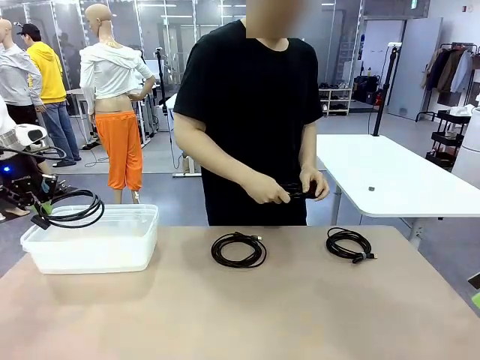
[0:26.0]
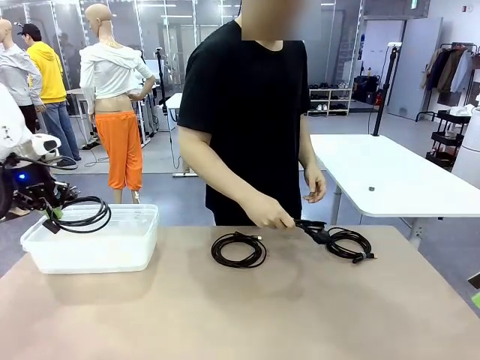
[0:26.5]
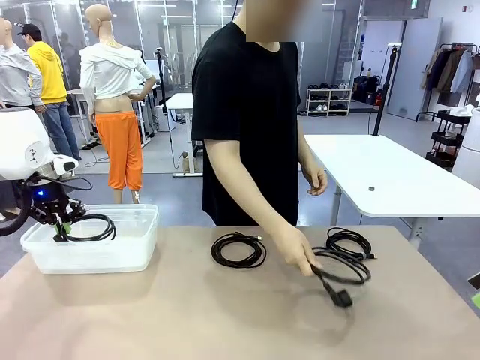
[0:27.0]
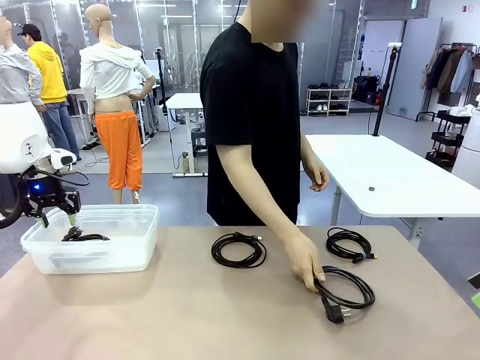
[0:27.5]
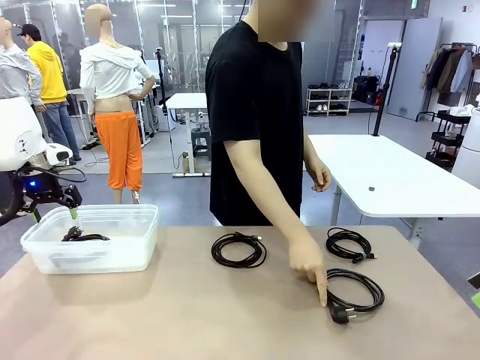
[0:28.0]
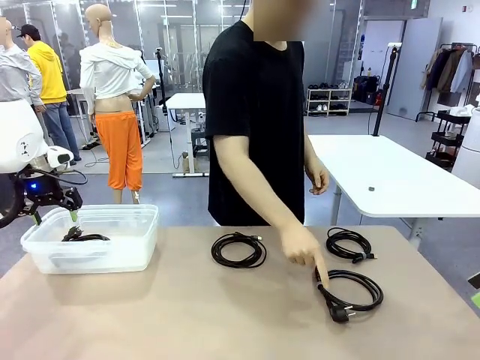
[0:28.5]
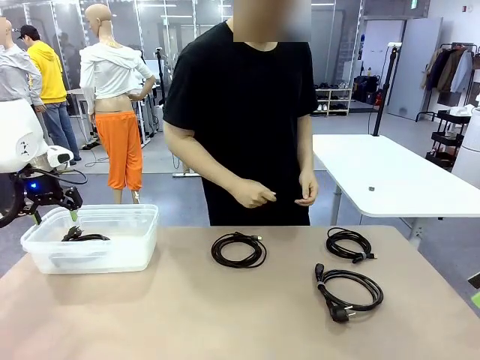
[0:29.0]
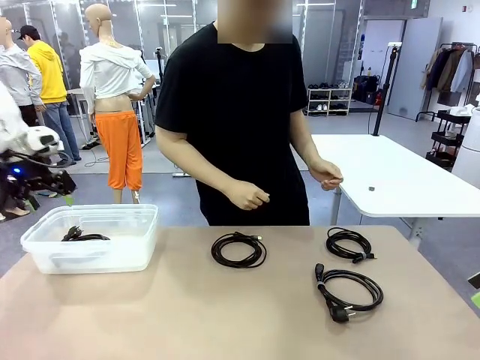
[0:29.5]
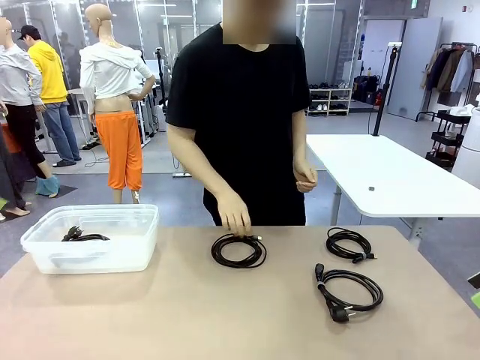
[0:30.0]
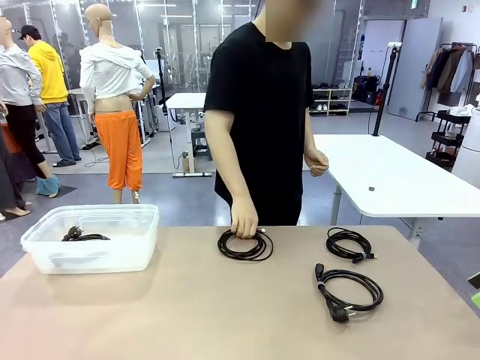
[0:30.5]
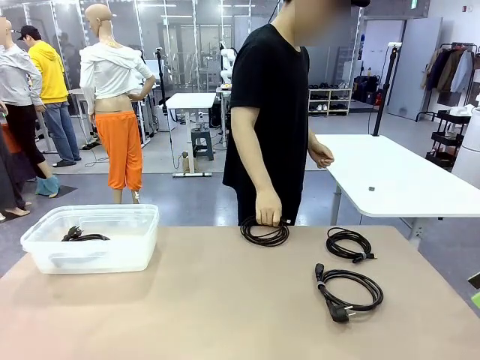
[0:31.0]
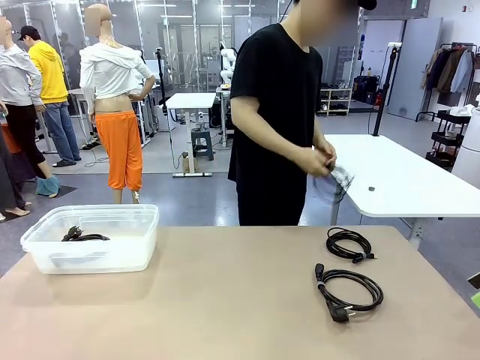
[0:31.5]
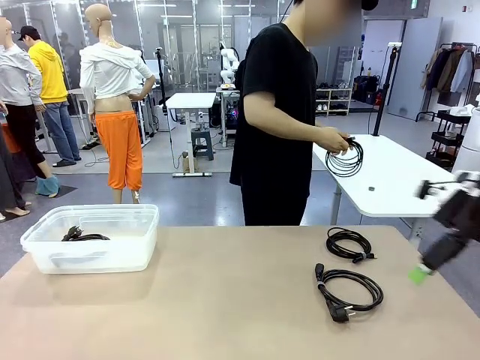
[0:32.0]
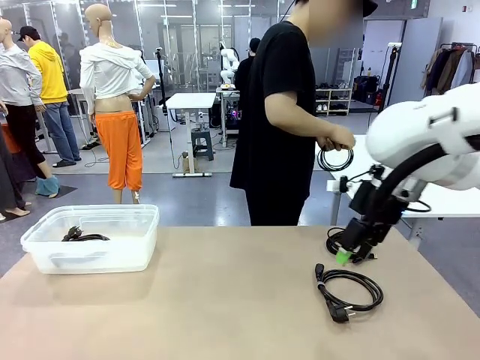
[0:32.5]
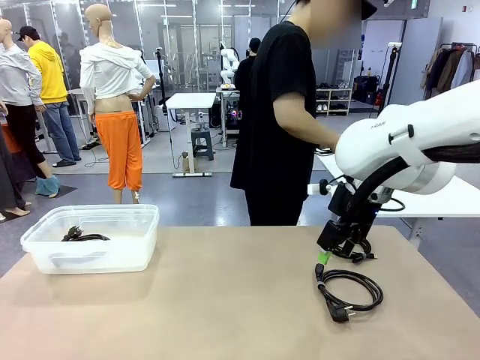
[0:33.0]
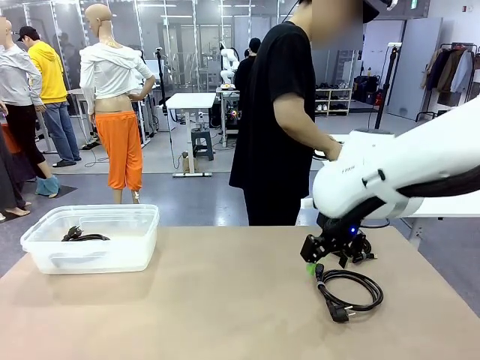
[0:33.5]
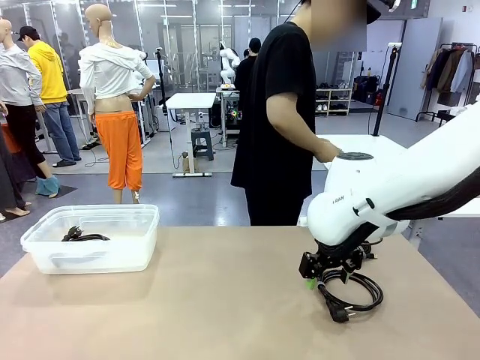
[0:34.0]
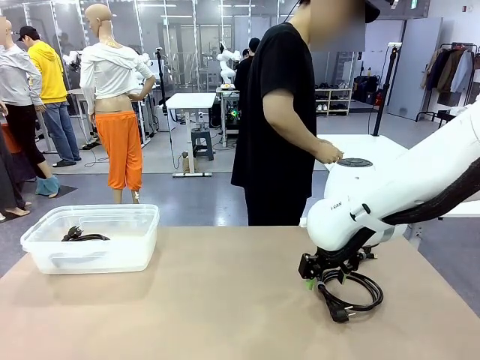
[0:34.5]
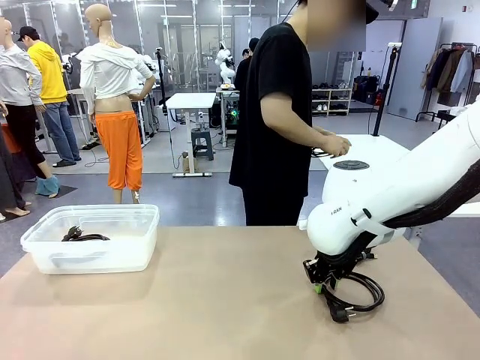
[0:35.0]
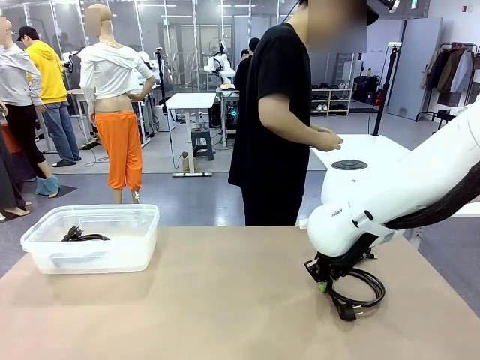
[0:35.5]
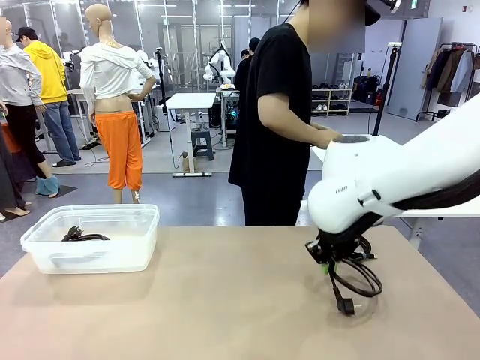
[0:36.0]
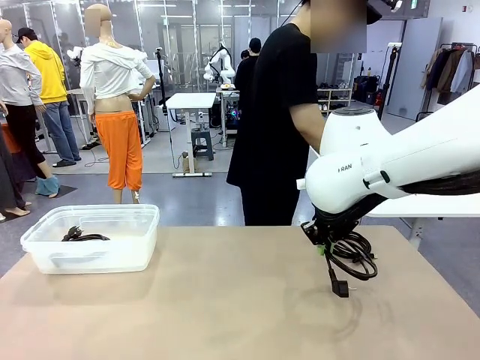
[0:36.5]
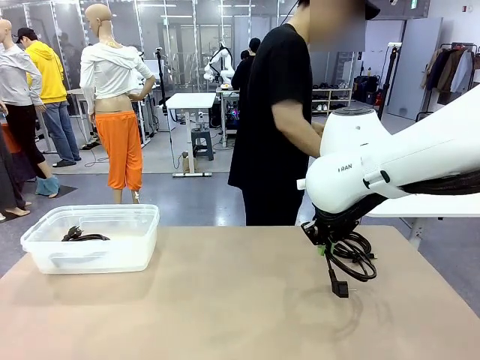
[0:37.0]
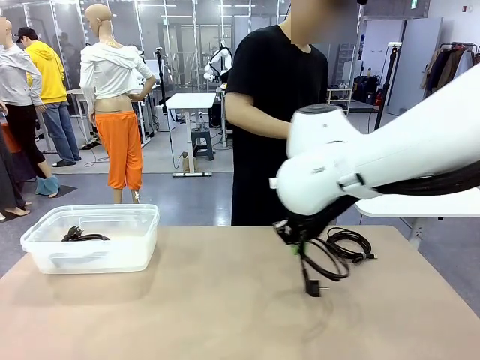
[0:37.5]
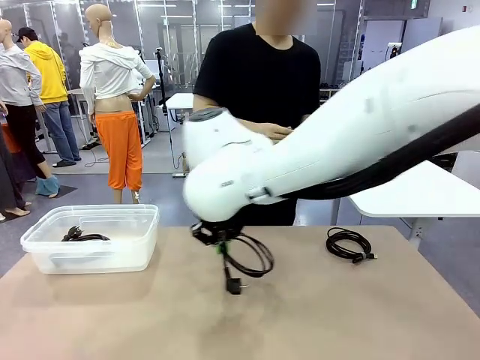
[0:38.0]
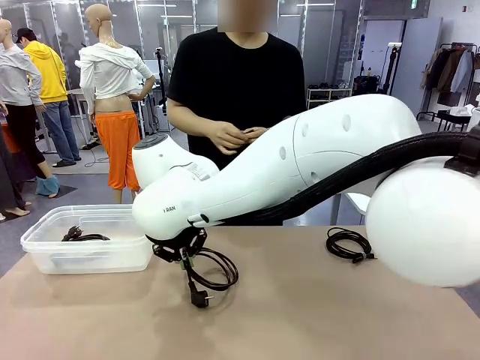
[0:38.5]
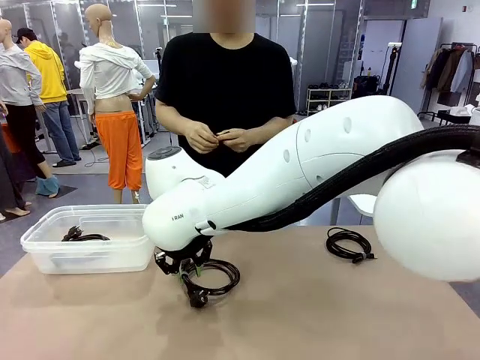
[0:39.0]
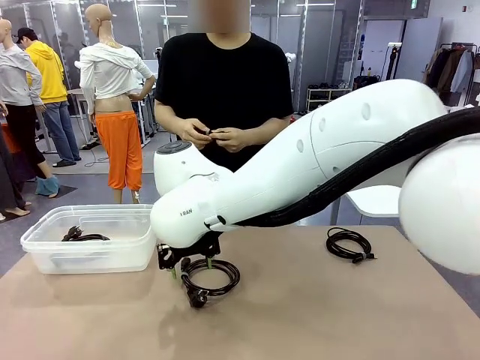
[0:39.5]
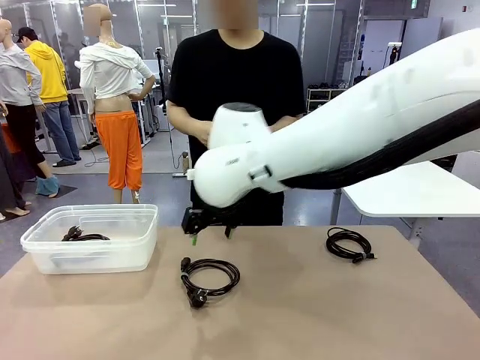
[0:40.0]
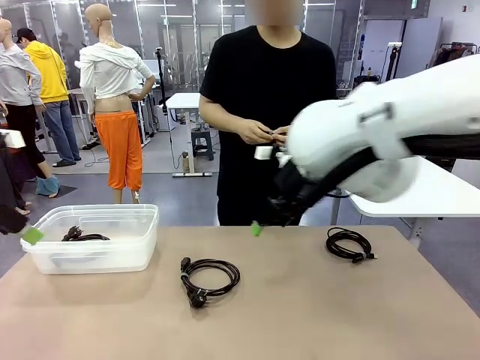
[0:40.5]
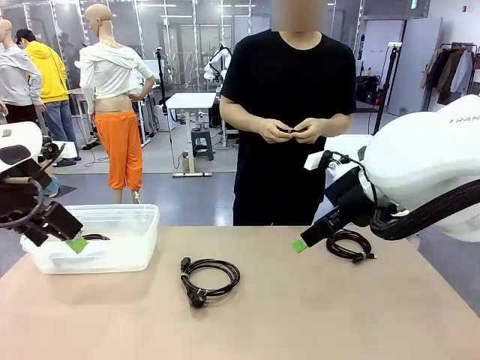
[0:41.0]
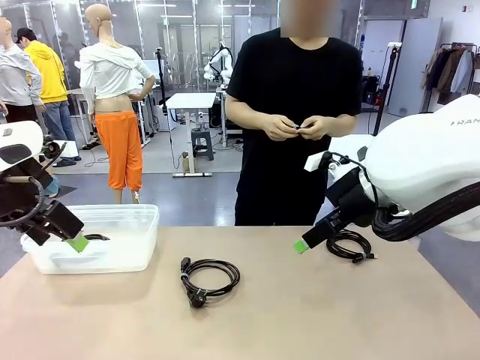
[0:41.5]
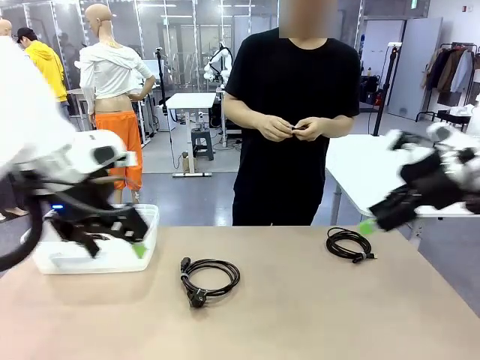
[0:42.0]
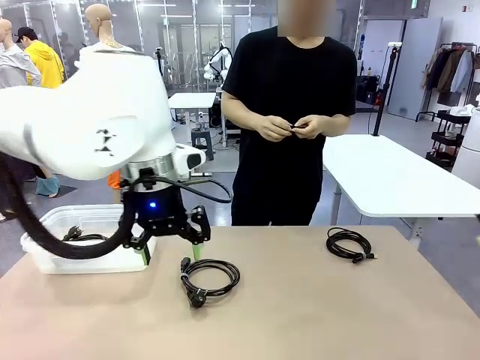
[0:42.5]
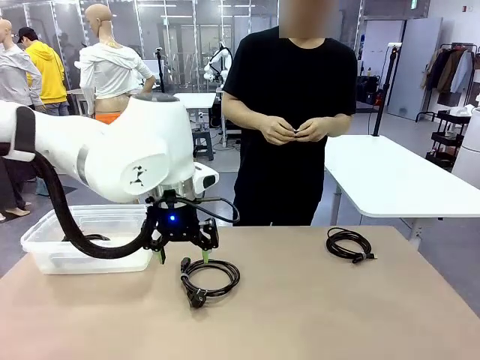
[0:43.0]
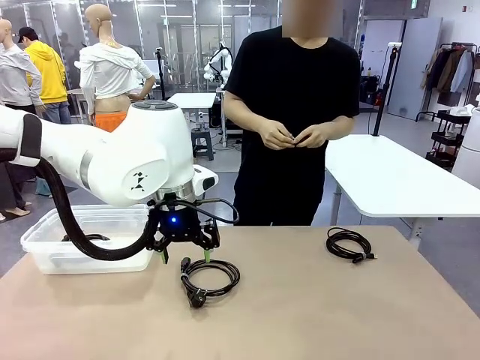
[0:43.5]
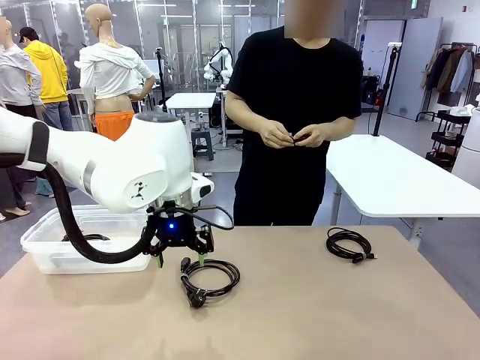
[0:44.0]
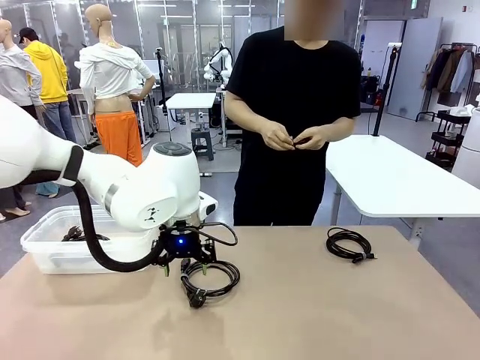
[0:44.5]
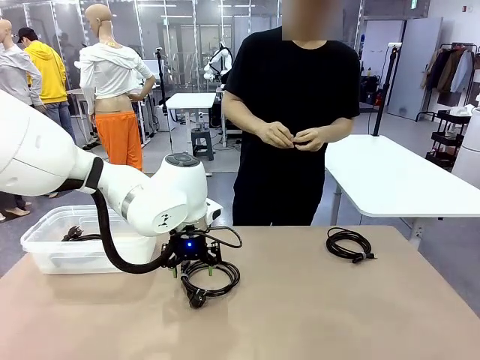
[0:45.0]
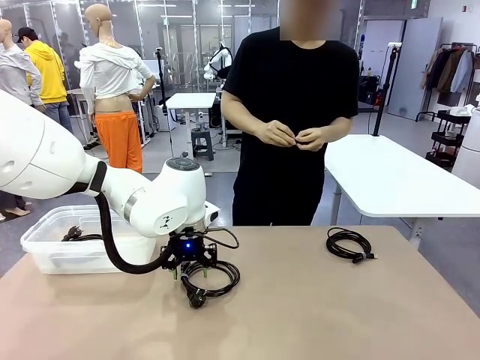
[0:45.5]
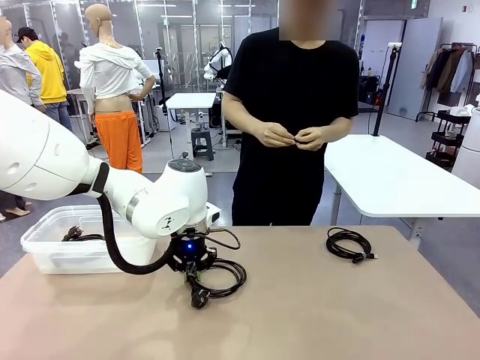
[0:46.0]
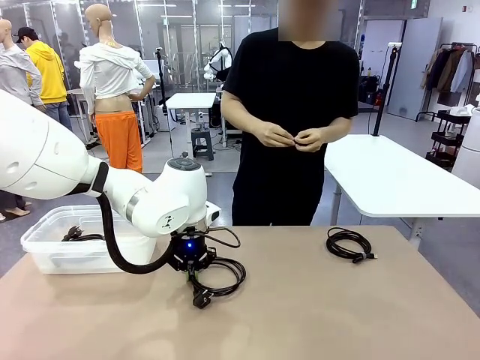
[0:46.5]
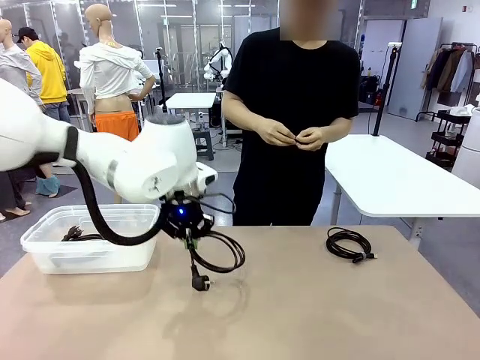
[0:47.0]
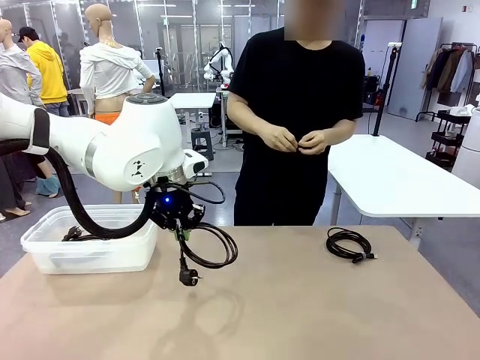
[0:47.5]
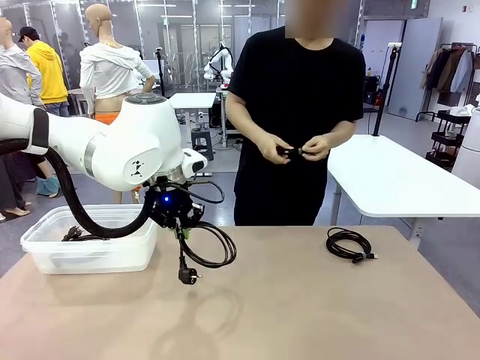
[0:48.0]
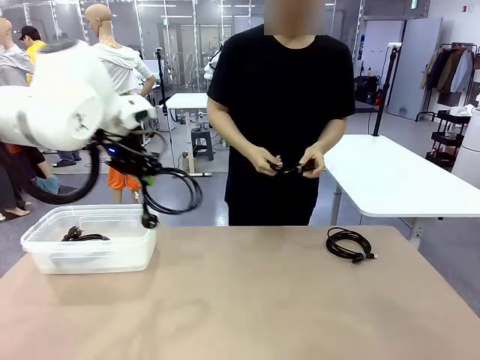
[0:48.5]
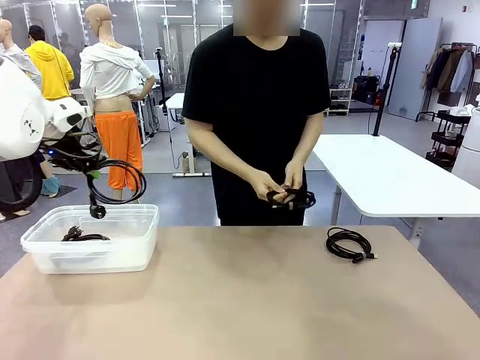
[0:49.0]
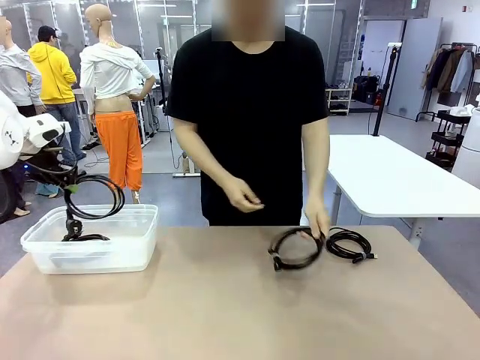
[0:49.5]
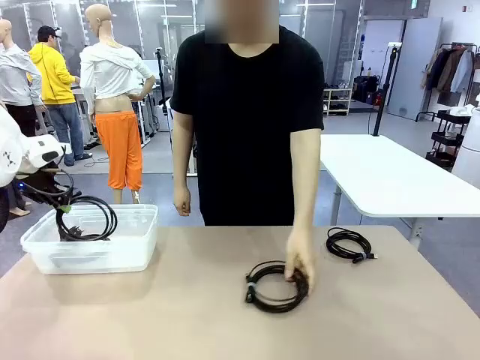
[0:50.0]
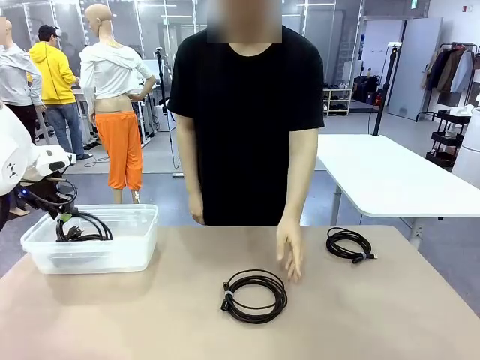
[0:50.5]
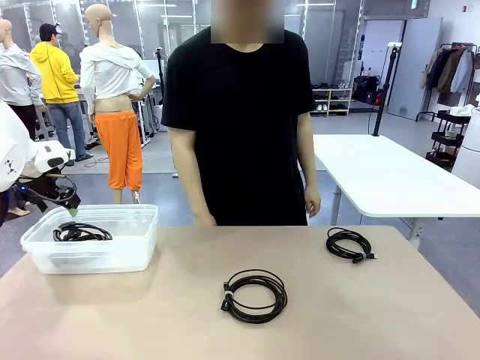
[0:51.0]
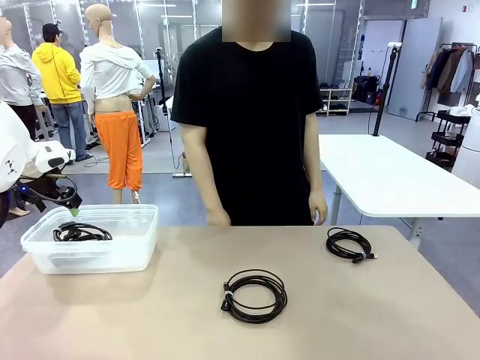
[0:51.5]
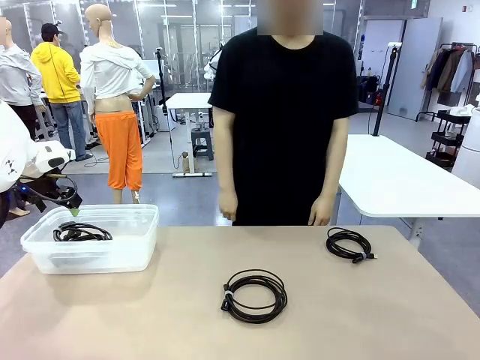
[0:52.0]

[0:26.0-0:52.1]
Task: Organize and store the cables.
Robot: Place the Power Cable into the Organizing box.
